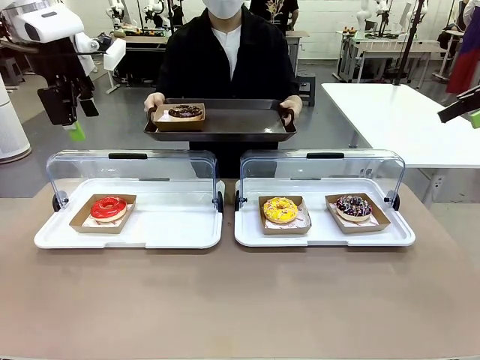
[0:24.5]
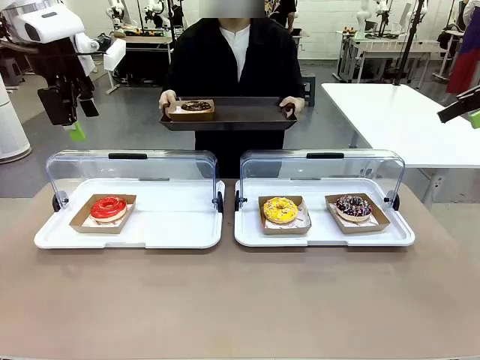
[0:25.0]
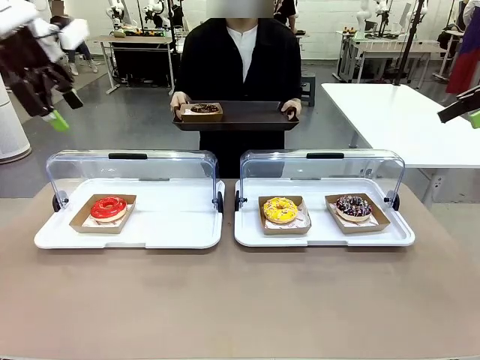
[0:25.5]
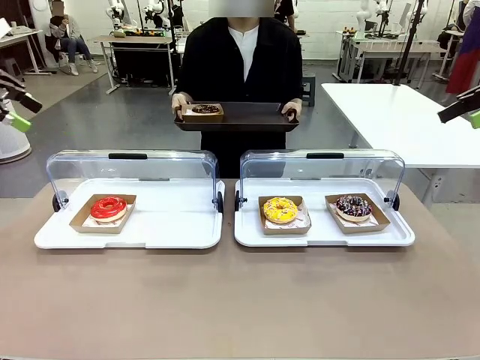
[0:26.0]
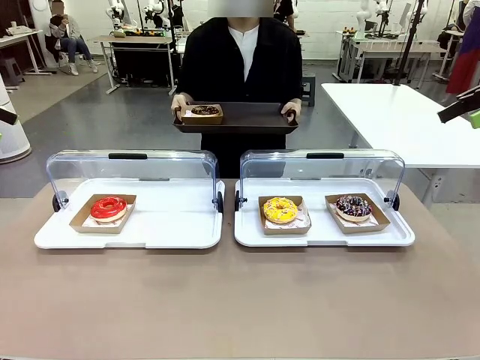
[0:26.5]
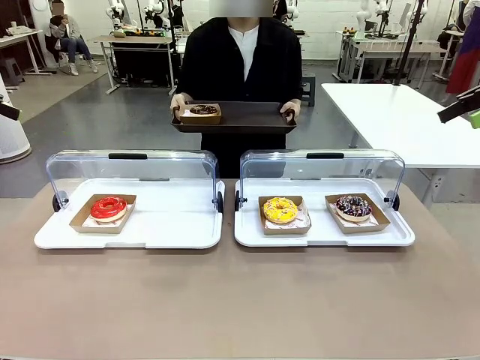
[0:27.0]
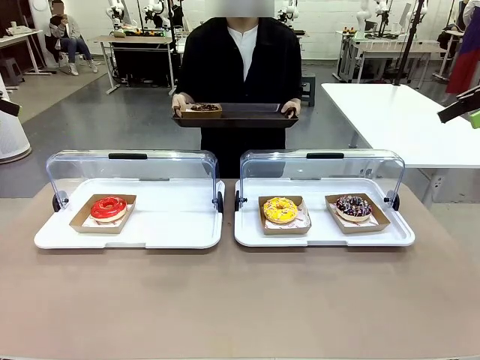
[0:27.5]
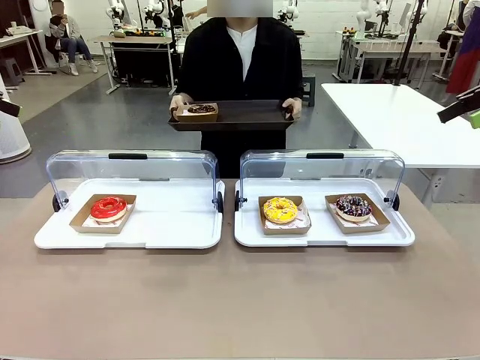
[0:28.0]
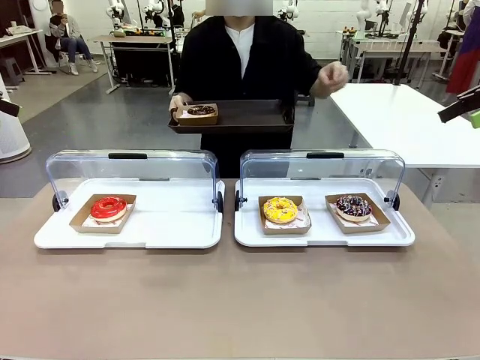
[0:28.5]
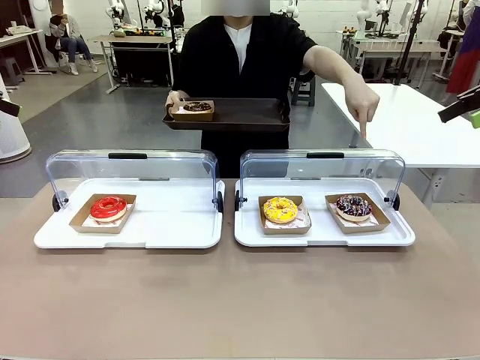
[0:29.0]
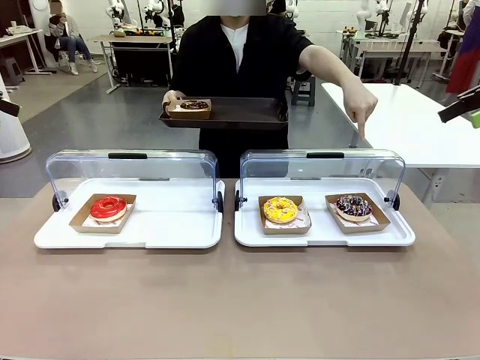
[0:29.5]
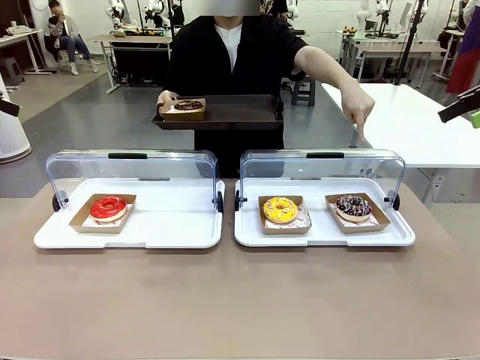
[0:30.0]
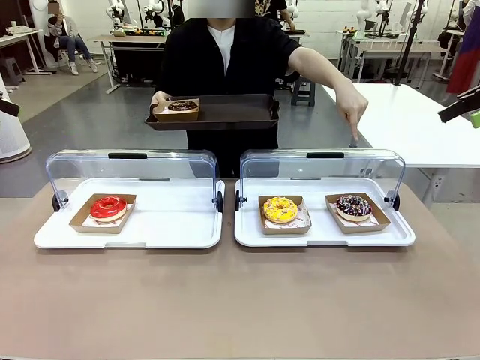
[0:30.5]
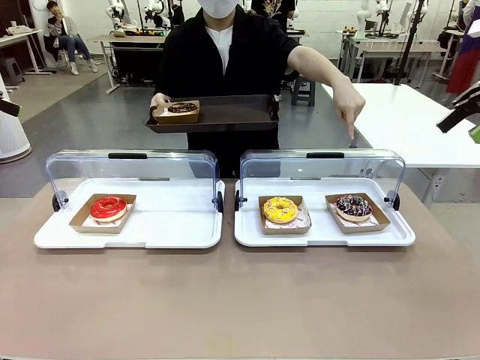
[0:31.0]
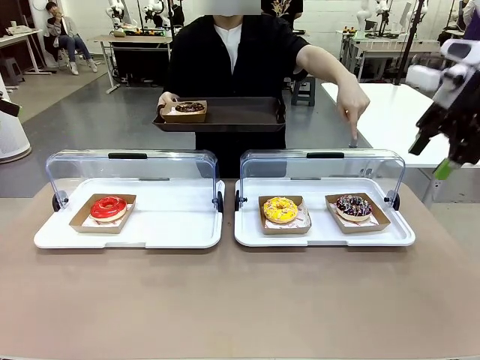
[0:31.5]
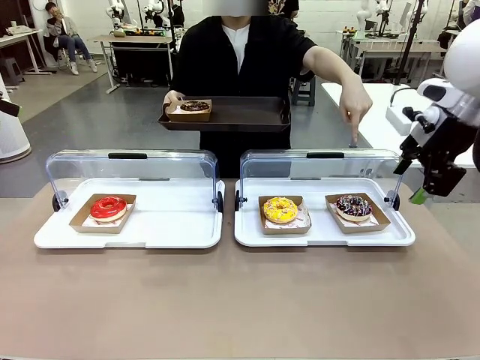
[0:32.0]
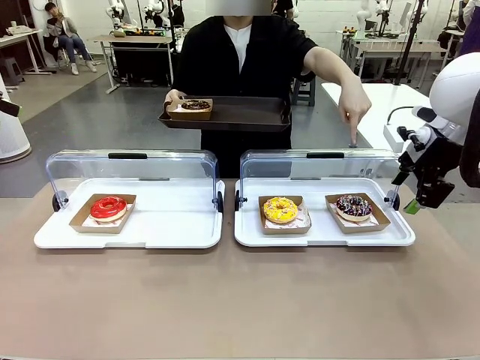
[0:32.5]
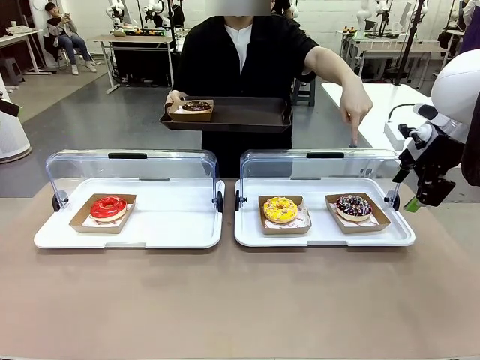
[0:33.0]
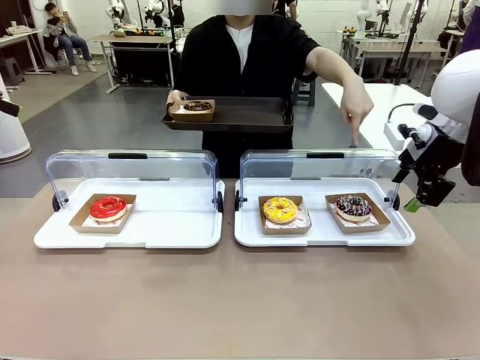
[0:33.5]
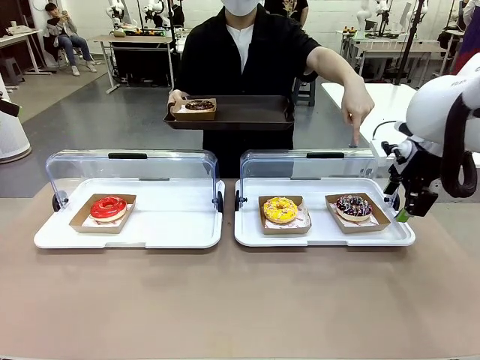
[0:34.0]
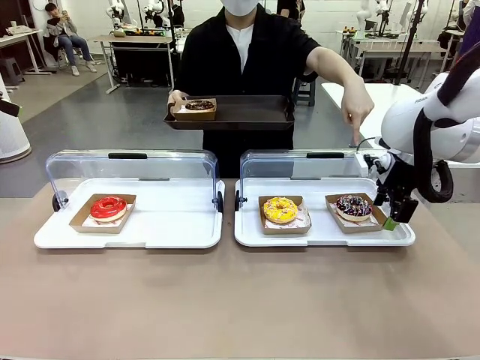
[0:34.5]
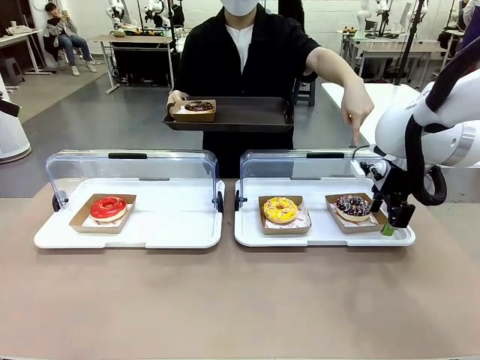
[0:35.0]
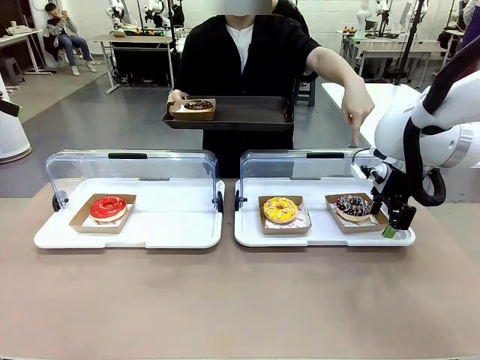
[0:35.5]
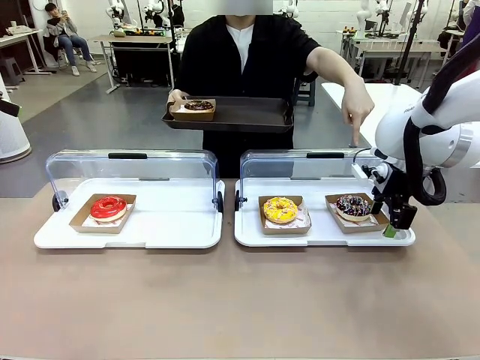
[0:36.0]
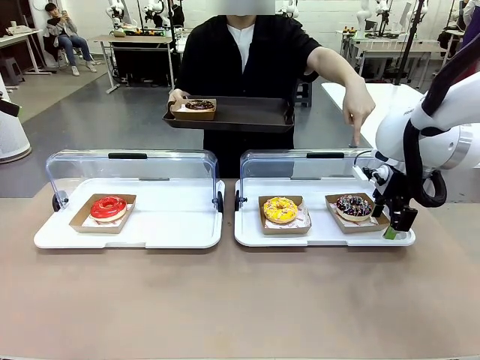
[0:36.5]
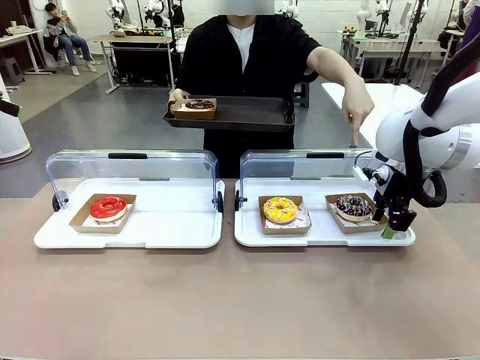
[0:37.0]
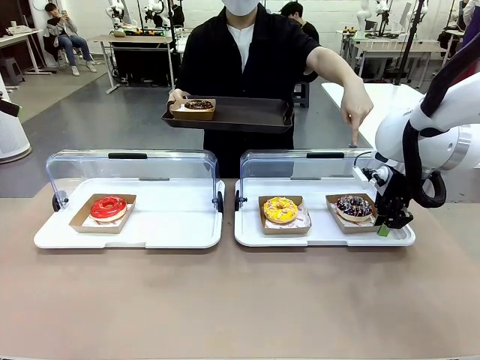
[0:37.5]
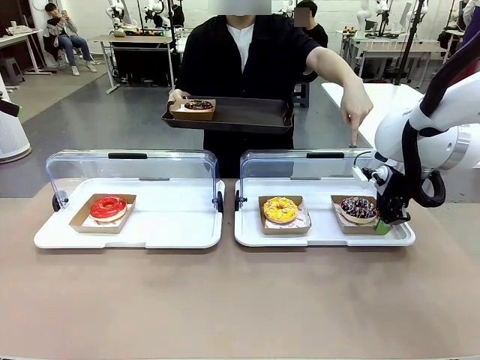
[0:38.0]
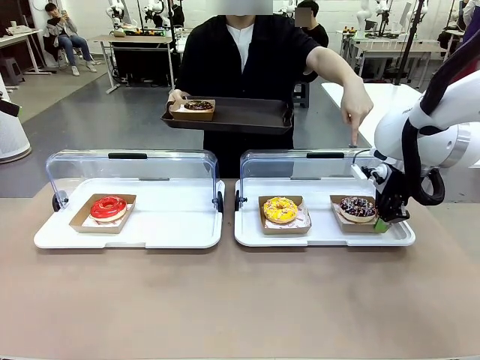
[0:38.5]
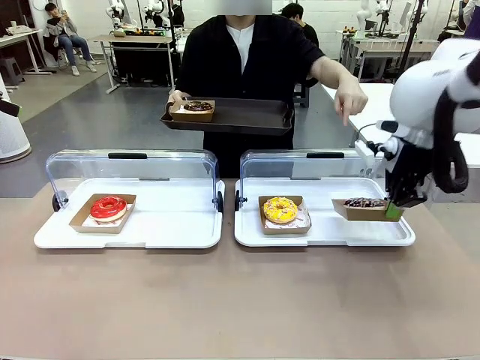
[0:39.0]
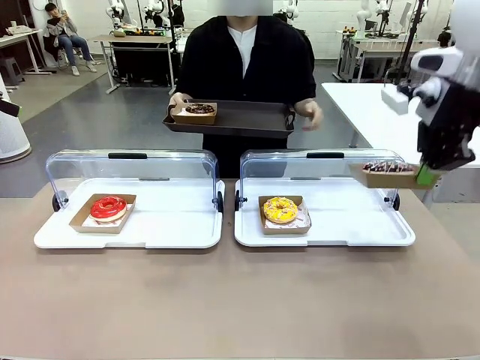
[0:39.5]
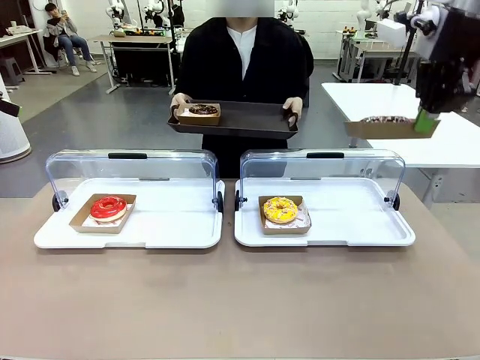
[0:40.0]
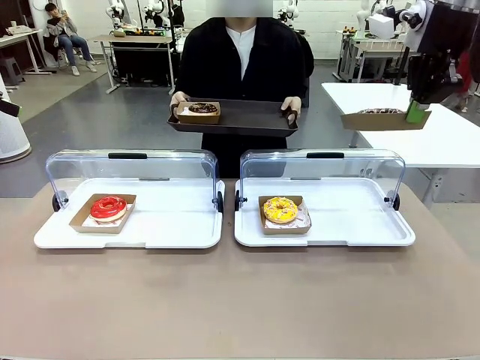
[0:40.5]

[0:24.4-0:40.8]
Task: Provide the desired donut to the person.
Robot: Pick up and lift the Paper togo box containing the Donut pointed at by the person.
Person: Point to one donut. Lift the tray onto the Roll-Top Bakery Case.

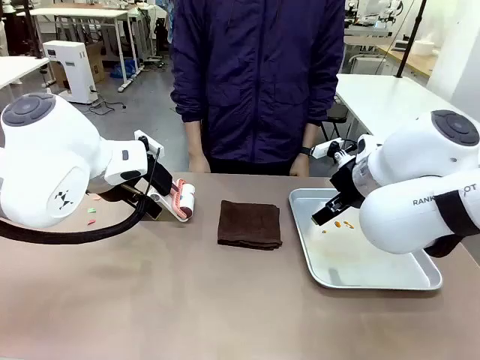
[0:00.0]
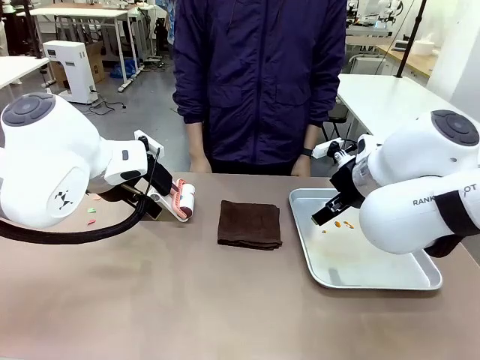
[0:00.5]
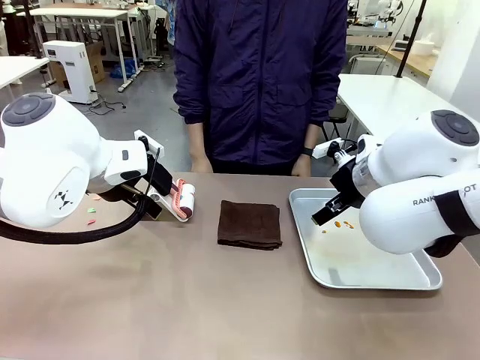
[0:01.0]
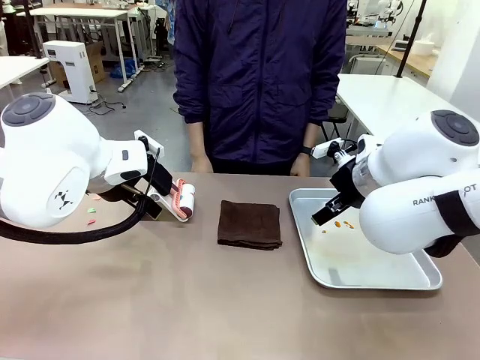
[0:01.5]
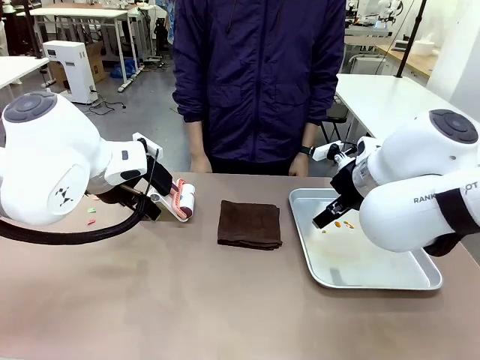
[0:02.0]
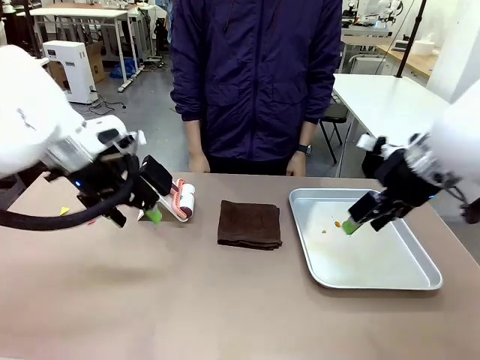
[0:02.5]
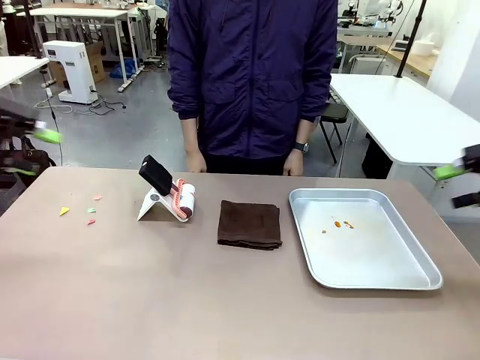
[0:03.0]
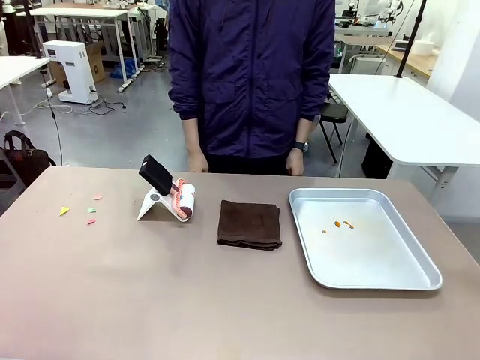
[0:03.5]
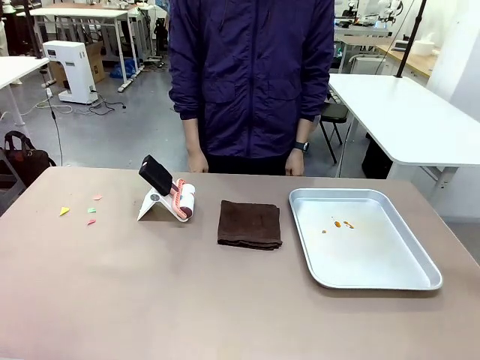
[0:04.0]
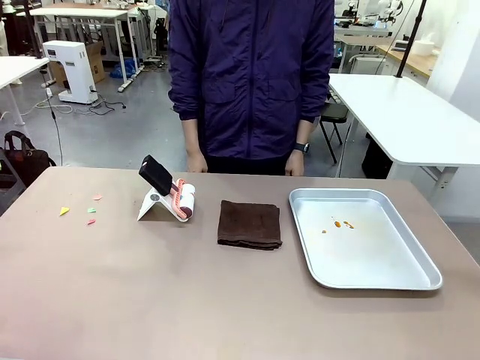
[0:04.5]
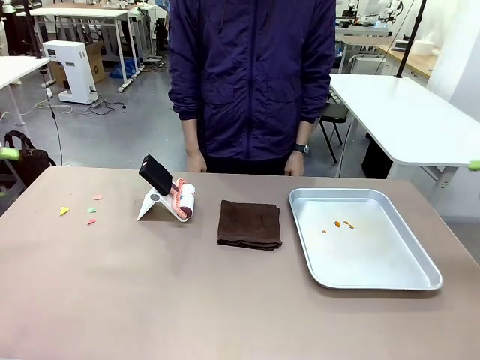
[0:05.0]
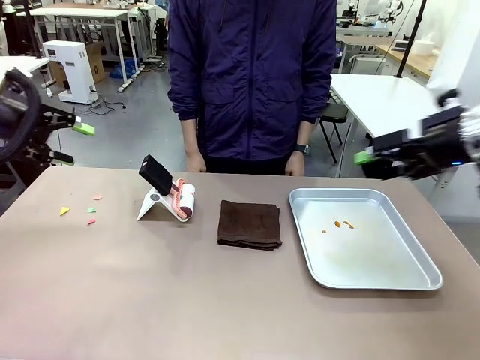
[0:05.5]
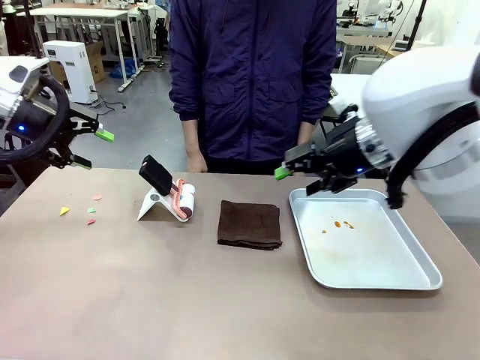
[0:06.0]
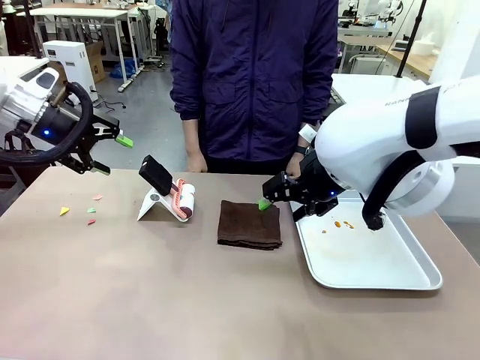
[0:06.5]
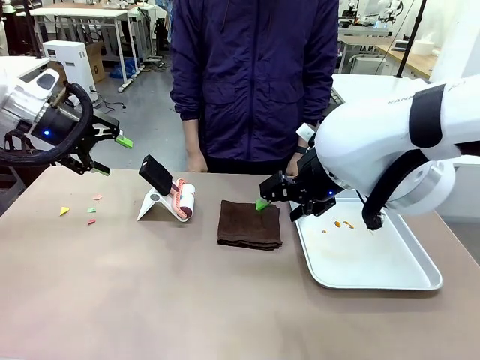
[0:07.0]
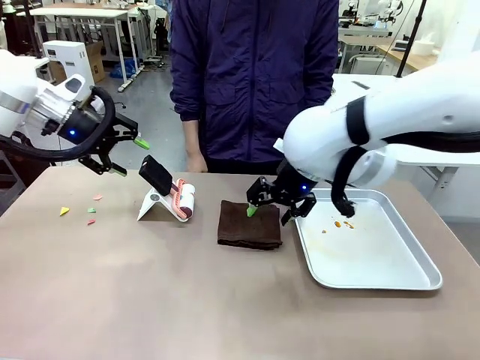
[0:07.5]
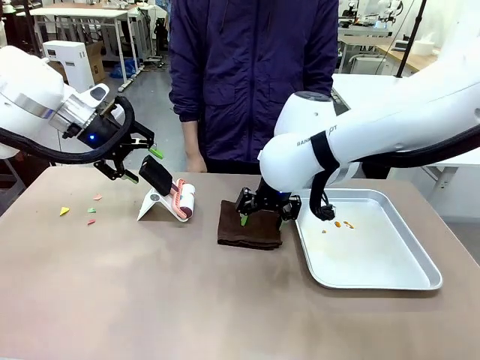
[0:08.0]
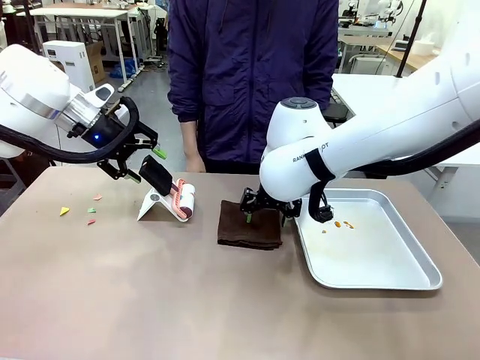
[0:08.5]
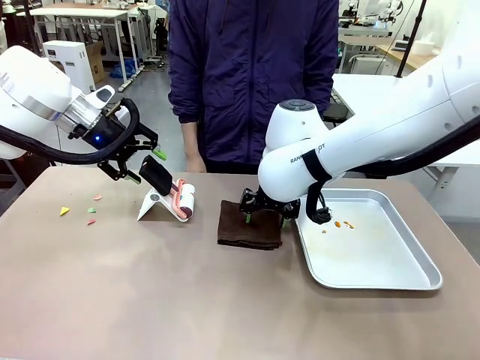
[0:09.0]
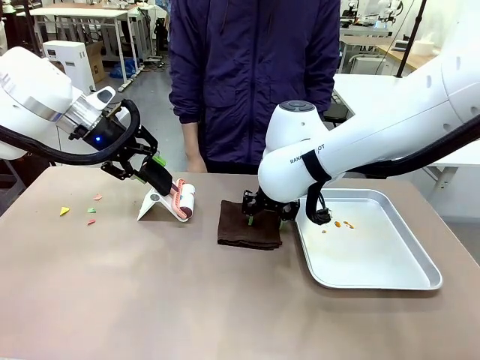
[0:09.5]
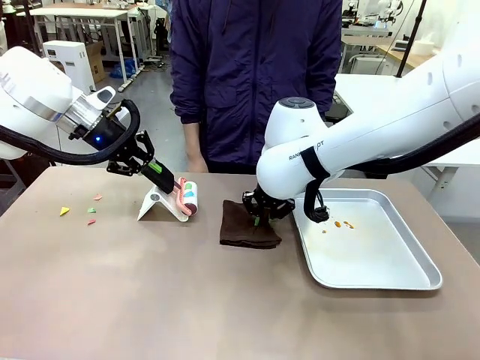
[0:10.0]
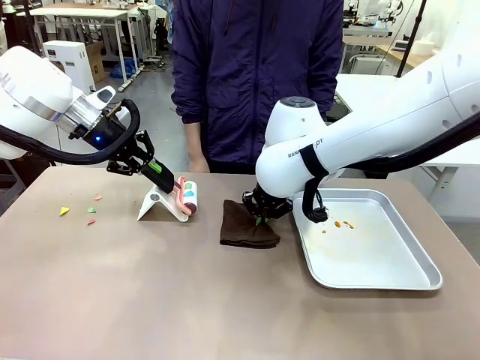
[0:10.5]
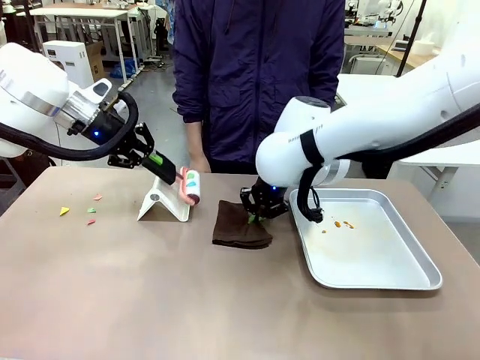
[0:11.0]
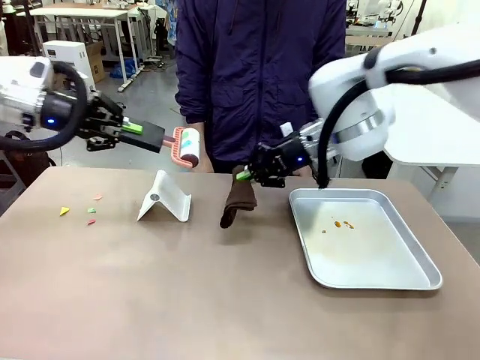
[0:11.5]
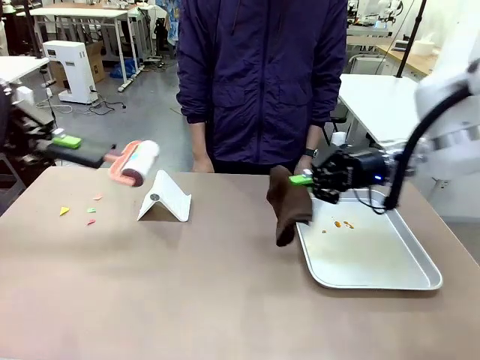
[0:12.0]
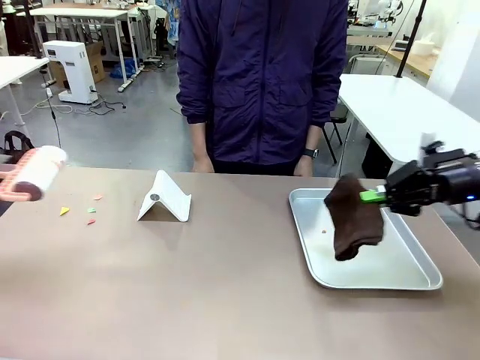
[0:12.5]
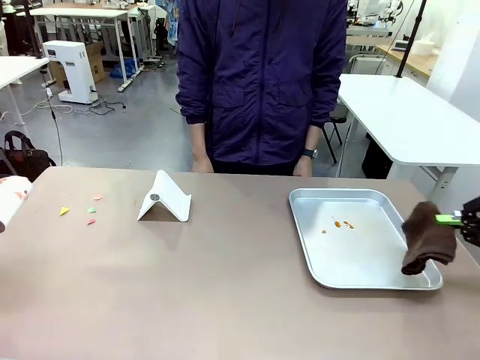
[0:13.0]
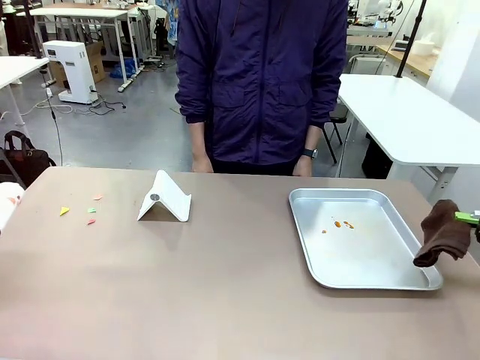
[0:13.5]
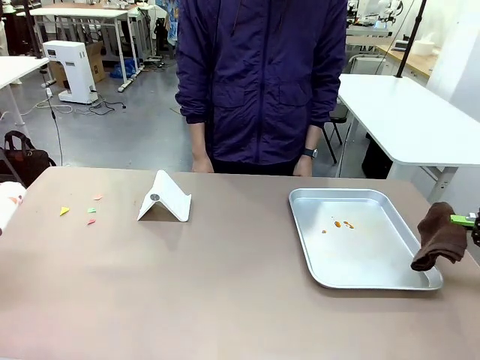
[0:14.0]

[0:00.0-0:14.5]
Task: Clean the surface of the table.
Robot: Hold the Lint Roller with your left hand and the towel with your right hand.
